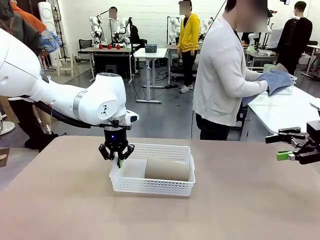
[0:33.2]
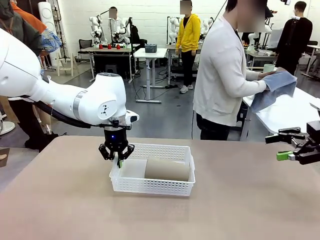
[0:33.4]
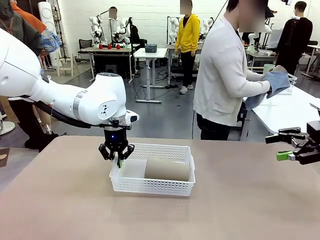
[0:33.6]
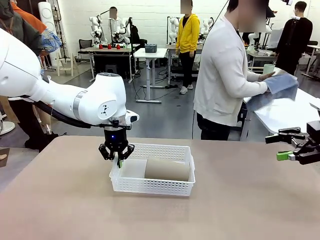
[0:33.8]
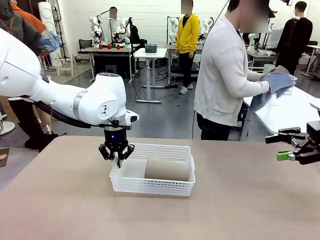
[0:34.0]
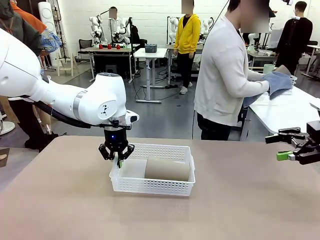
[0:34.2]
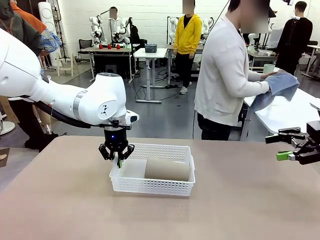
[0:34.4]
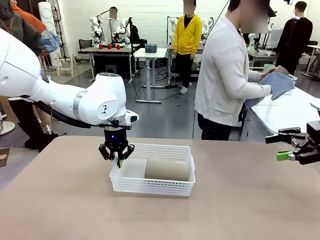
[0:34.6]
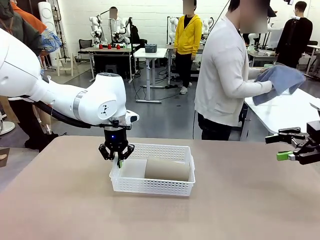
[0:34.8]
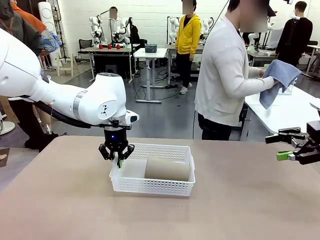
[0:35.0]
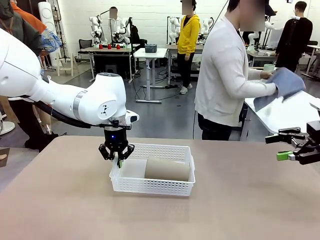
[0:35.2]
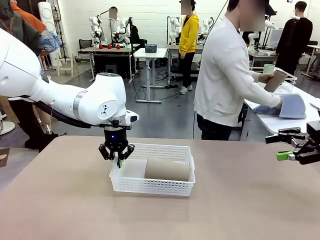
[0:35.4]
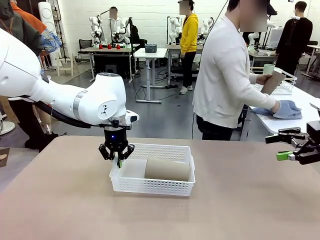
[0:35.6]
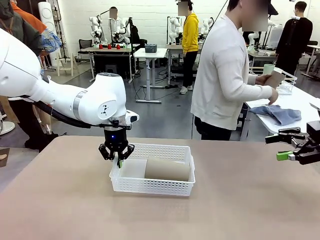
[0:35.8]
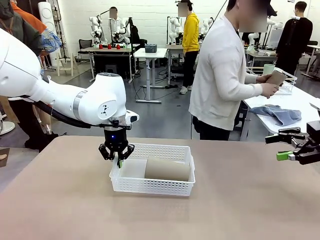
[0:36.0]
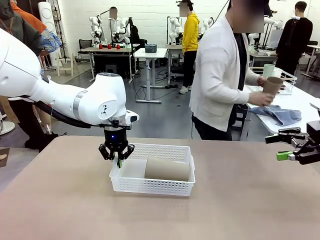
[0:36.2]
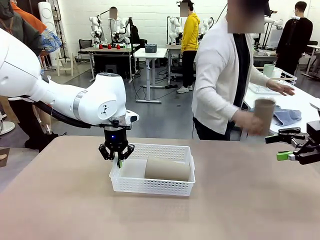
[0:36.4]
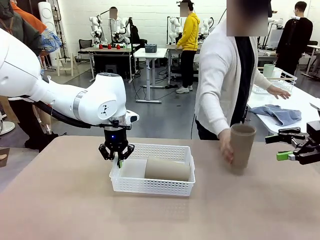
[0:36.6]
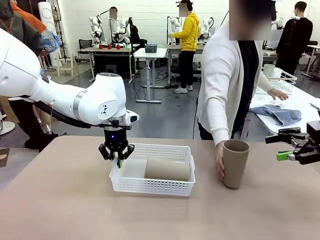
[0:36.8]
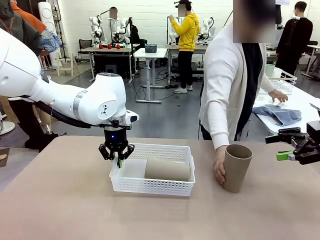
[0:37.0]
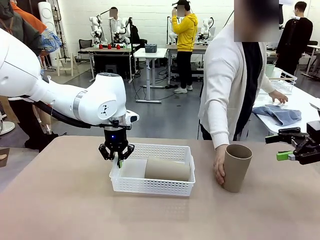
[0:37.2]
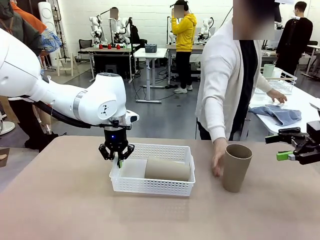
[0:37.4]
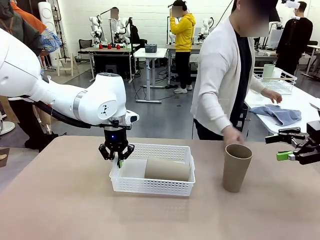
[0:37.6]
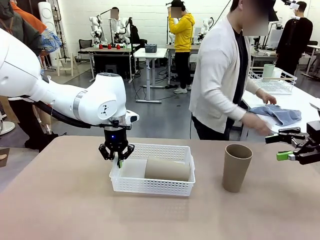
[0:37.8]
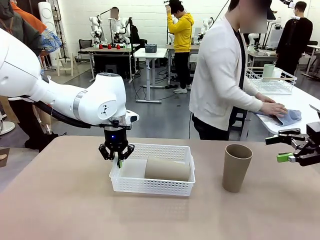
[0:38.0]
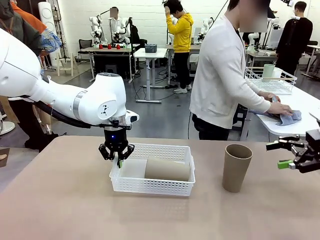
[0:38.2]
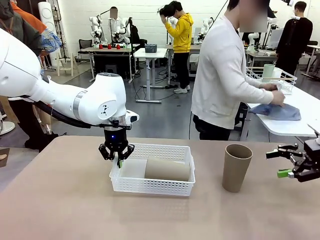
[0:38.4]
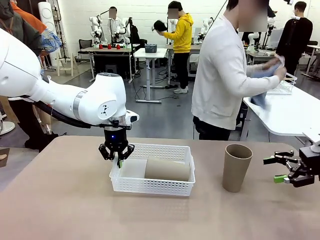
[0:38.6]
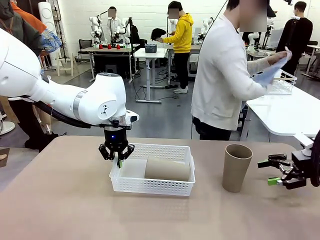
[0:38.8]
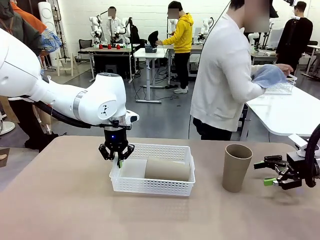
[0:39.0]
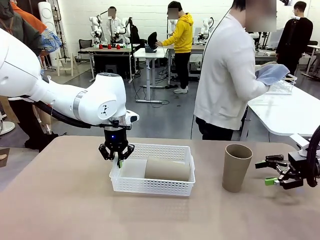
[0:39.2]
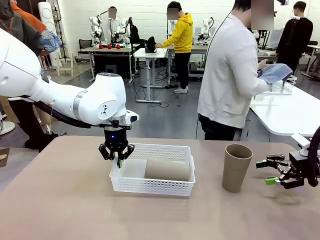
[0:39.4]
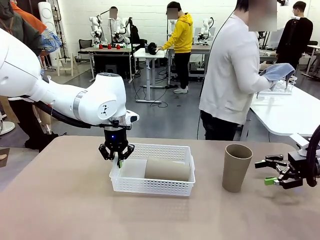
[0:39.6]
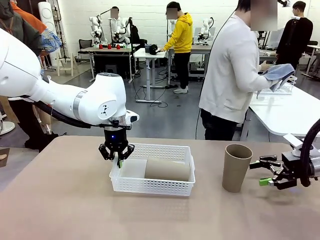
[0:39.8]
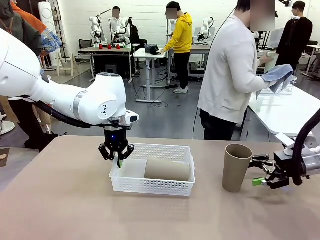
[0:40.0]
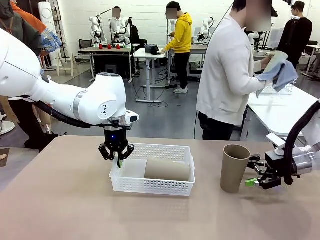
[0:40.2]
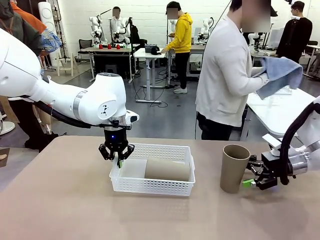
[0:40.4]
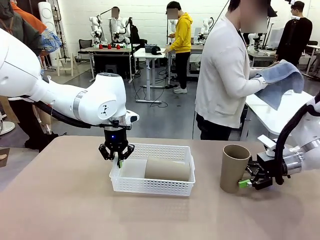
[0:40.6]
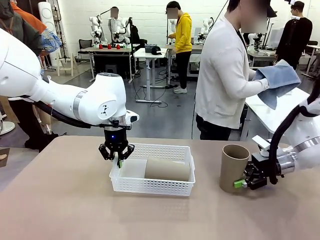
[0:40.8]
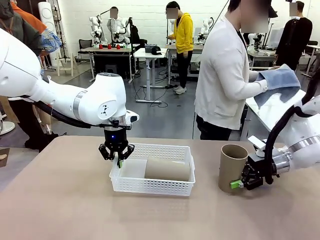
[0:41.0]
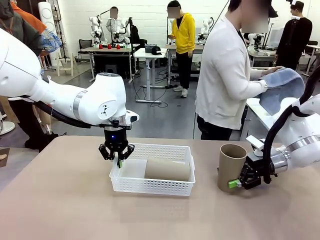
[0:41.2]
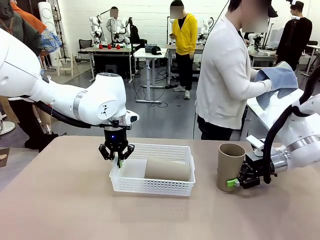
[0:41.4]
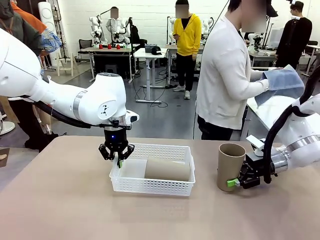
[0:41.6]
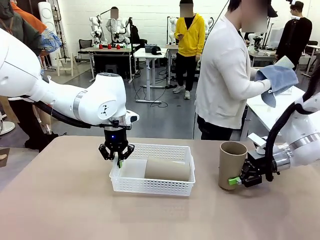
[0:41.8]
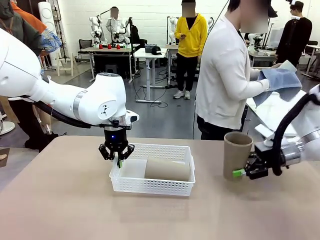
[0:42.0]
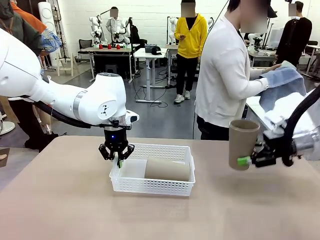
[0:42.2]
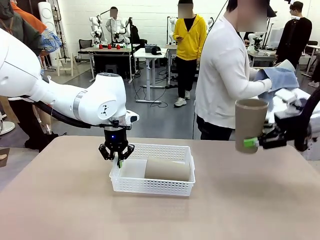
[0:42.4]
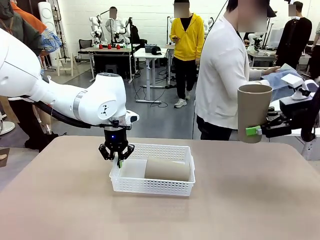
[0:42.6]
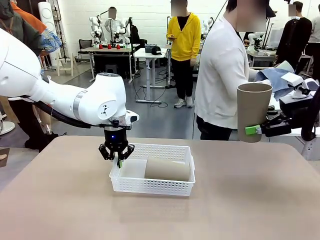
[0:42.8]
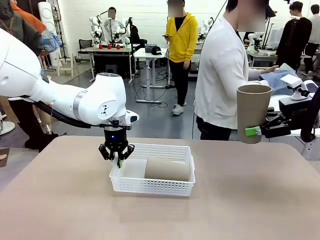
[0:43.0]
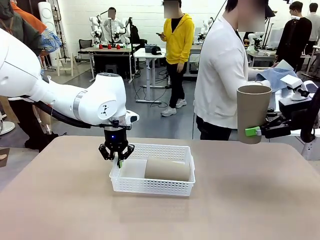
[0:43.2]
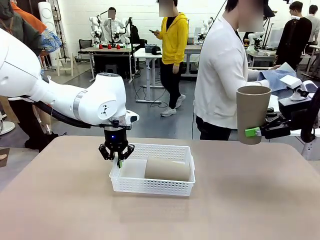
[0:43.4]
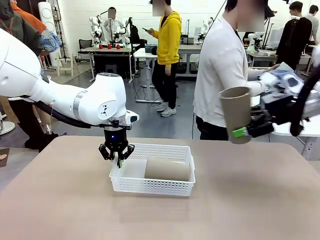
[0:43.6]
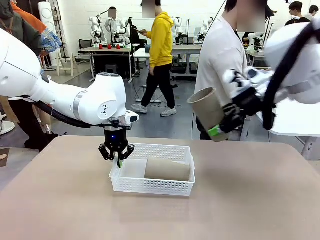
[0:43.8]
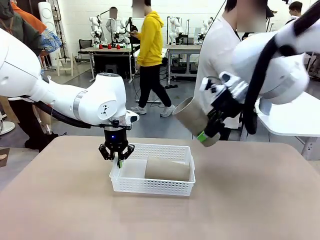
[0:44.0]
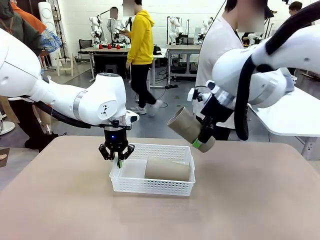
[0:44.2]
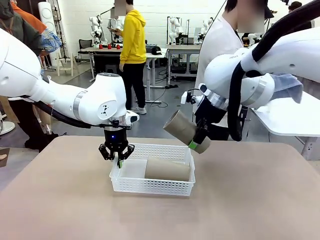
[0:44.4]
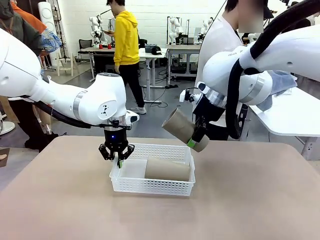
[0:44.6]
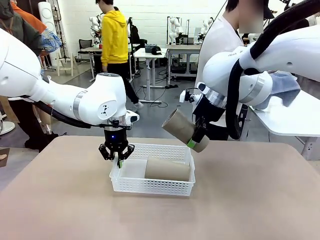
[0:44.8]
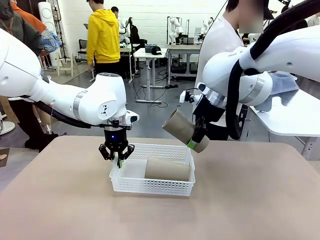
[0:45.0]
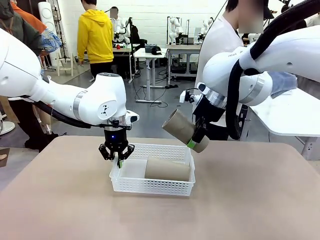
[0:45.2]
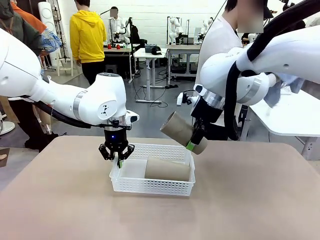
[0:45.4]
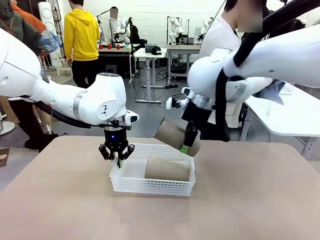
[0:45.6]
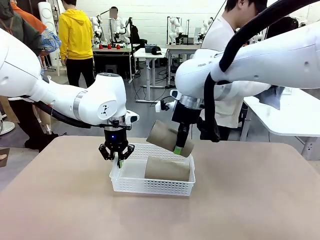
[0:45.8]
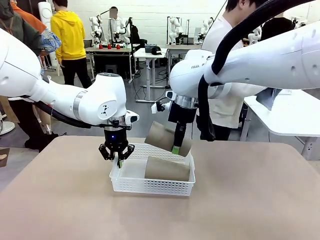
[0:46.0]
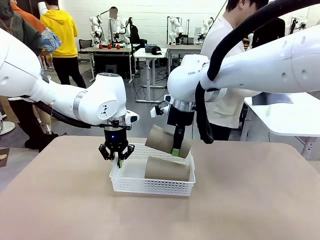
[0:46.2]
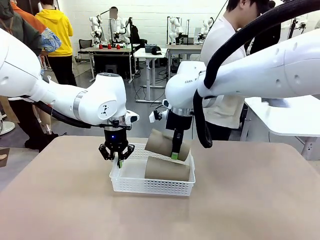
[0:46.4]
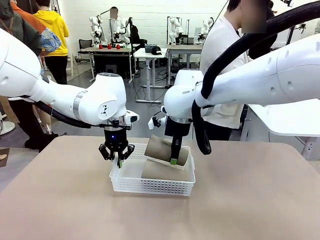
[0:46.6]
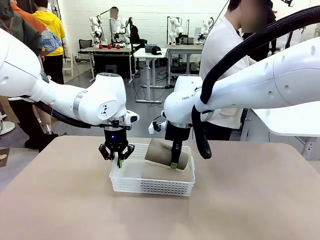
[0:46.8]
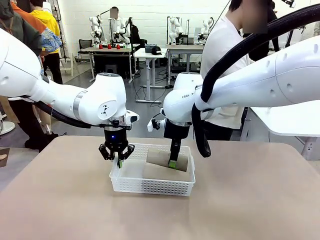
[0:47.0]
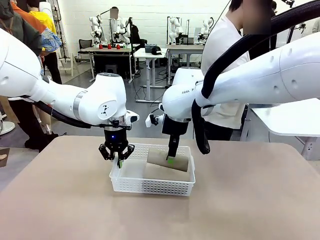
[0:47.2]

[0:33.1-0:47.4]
Task: Clean and organize the cups into the basket.
Robot: Pick up the Reusable plastic cup from the right side of the table and stack it inside the Organizing basket in the center of the table.

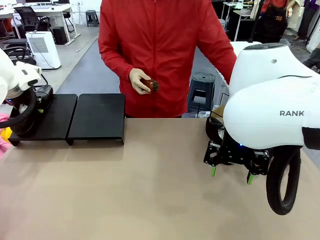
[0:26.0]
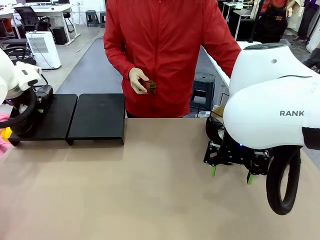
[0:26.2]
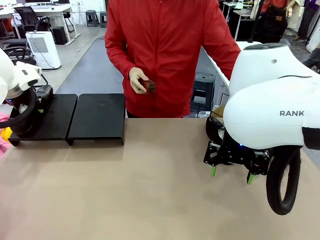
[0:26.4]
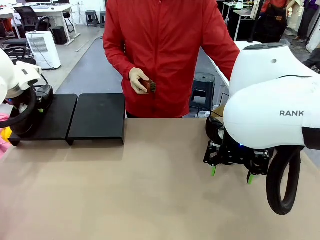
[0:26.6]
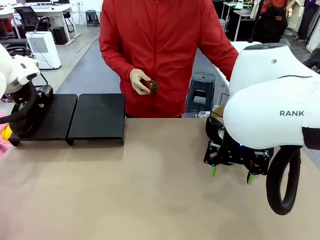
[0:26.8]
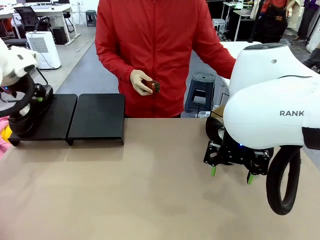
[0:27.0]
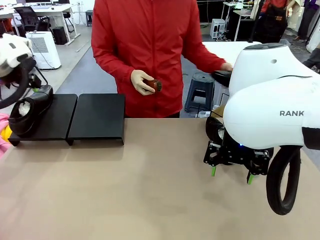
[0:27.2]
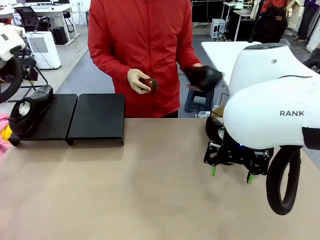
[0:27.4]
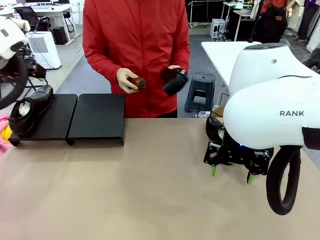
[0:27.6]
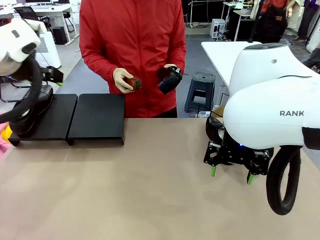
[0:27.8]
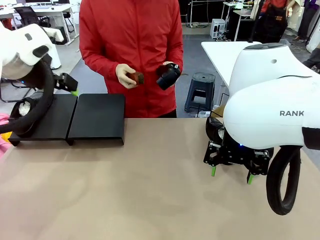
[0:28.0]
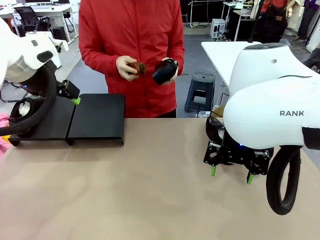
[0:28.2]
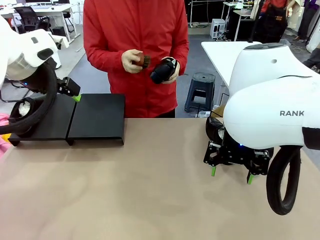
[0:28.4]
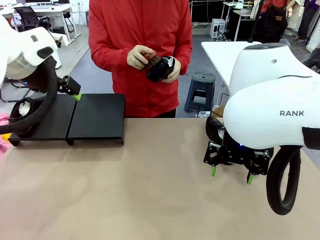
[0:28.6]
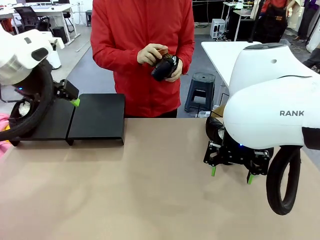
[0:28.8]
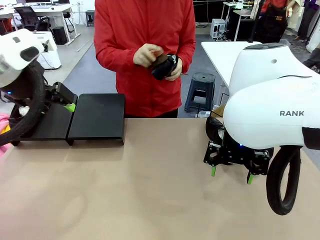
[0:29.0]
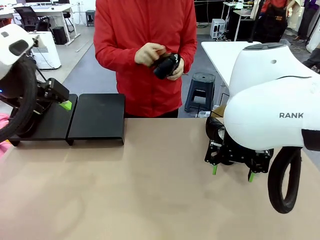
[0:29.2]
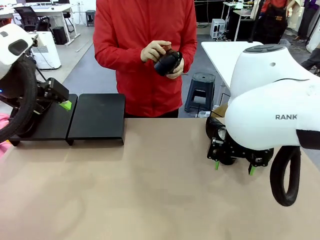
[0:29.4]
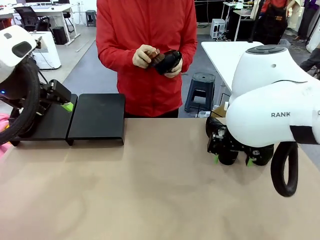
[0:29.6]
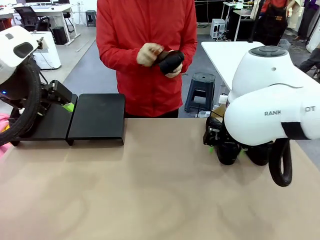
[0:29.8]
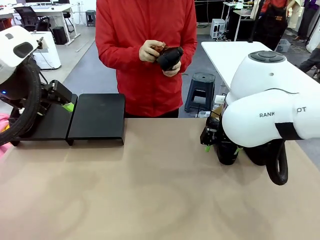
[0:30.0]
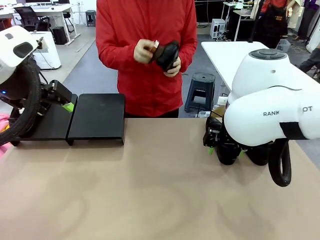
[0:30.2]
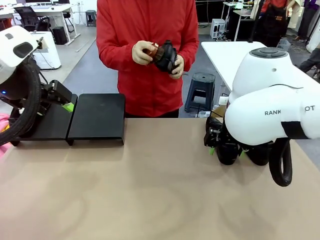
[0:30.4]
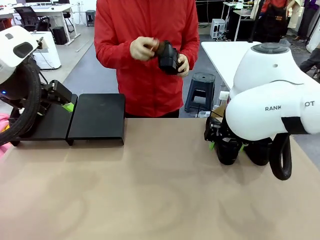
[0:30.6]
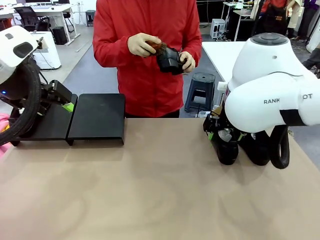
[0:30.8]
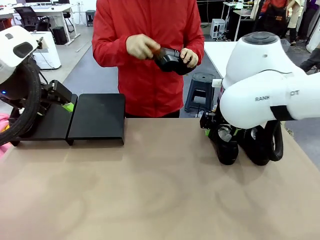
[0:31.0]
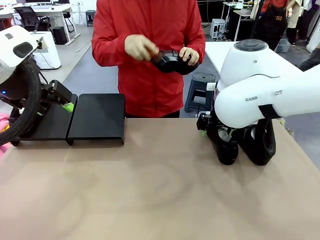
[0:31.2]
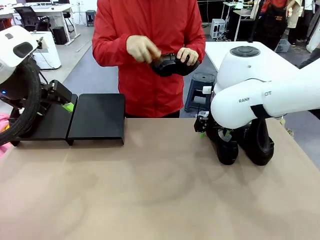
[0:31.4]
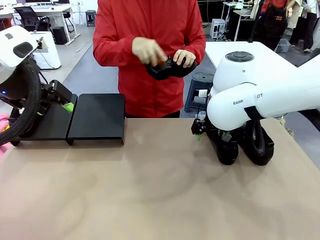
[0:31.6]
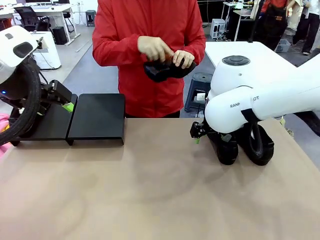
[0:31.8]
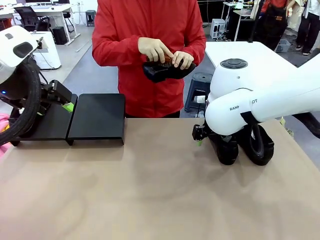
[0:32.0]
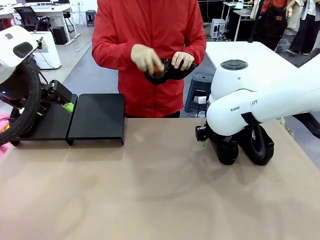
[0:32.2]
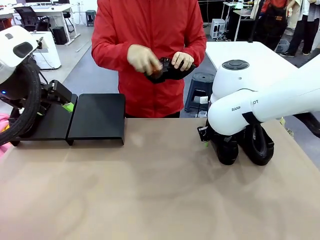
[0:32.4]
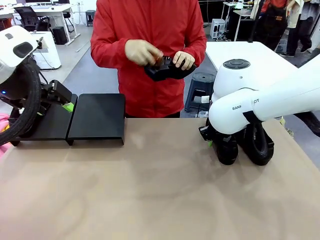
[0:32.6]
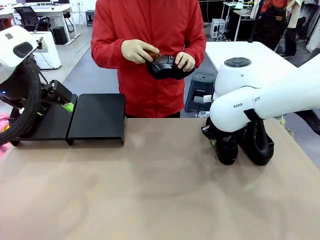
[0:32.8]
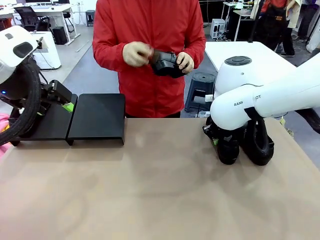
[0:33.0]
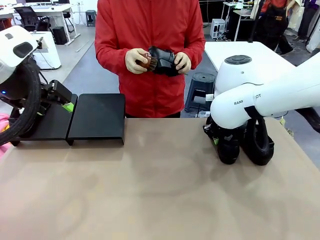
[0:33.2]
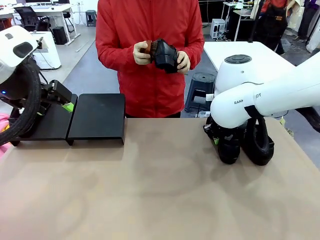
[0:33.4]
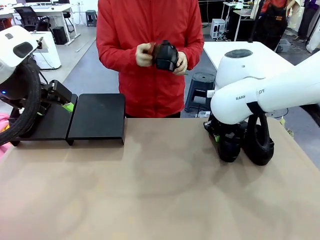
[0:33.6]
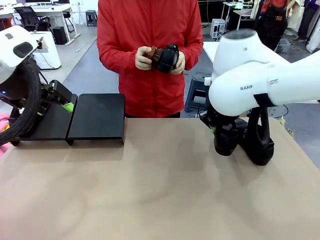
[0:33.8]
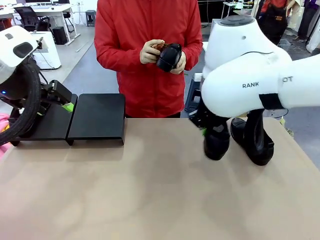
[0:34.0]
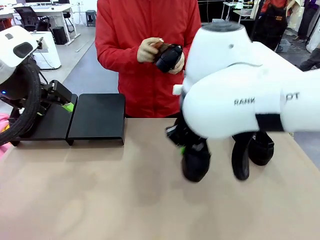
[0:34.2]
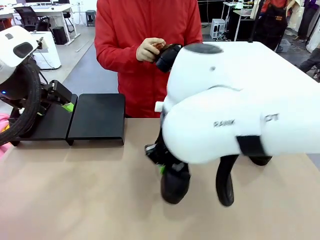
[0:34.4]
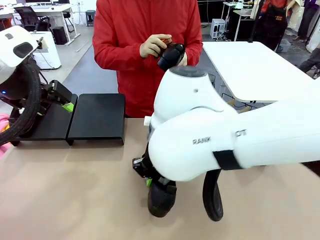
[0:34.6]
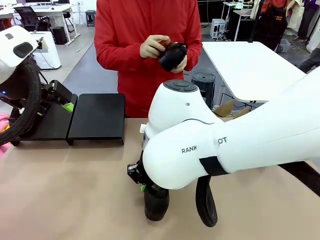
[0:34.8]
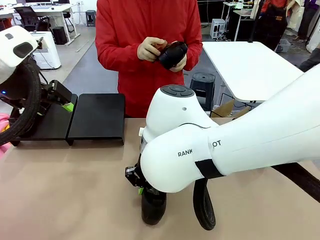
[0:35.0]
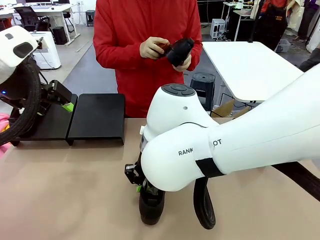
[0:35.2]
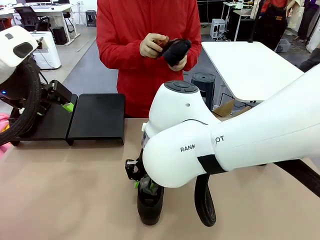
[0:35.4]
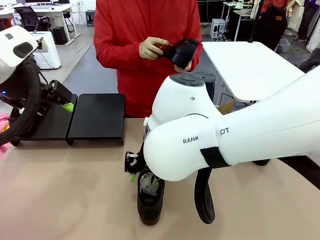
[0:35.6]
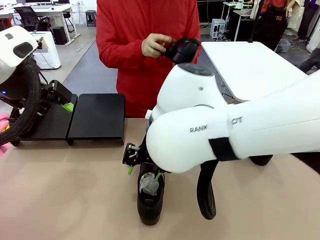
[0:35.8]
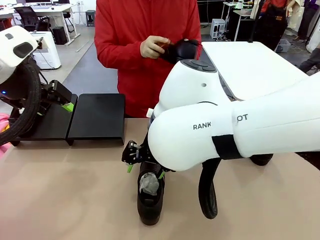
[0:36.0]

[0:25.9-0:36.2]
Task: Organize the shoes by placing them on the stand.
Robot: Pick up one Shoe and place it in the middle of the table.
Person: Pick one Shoe on Robot's table.
